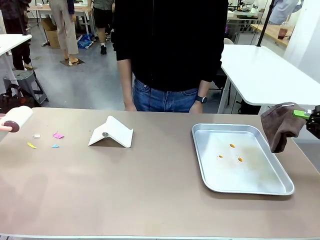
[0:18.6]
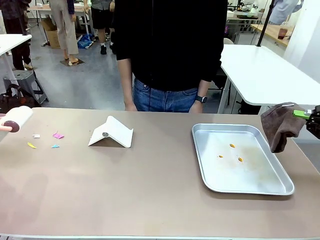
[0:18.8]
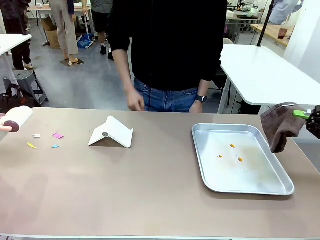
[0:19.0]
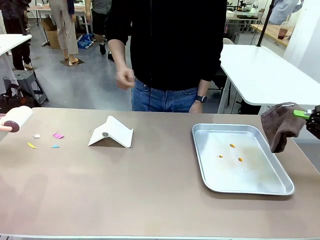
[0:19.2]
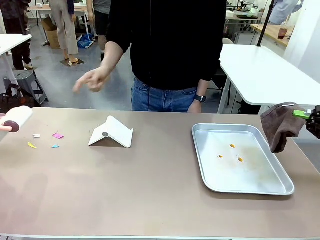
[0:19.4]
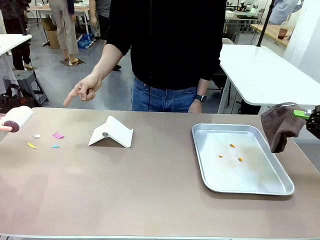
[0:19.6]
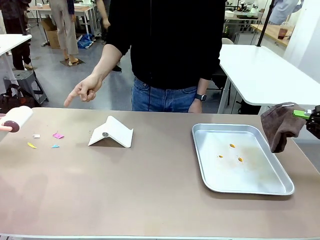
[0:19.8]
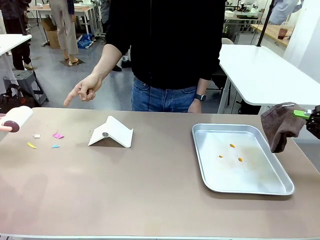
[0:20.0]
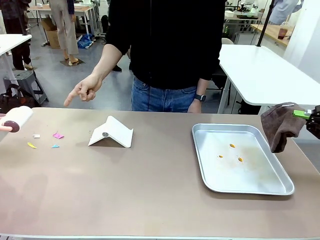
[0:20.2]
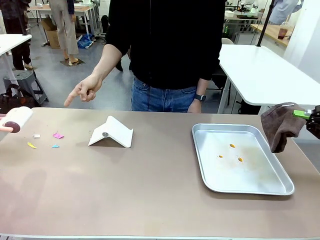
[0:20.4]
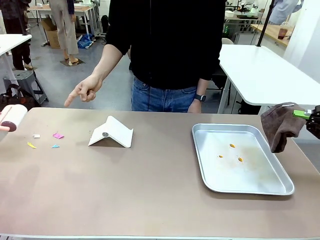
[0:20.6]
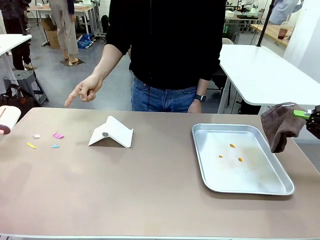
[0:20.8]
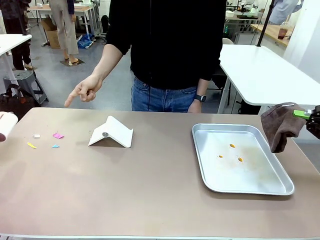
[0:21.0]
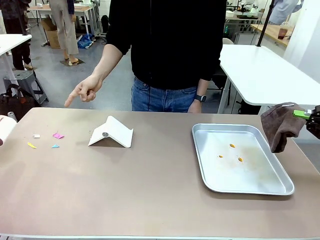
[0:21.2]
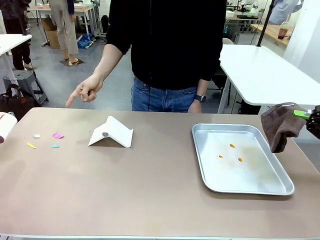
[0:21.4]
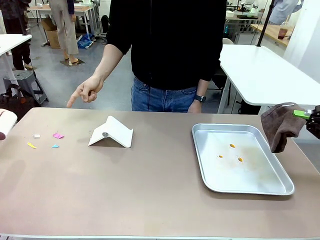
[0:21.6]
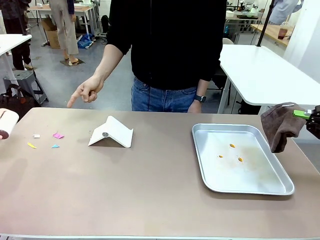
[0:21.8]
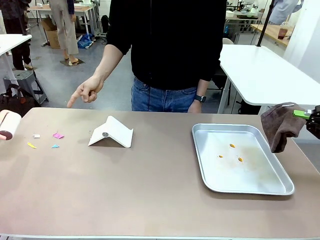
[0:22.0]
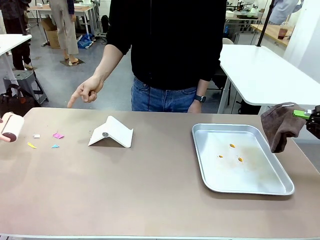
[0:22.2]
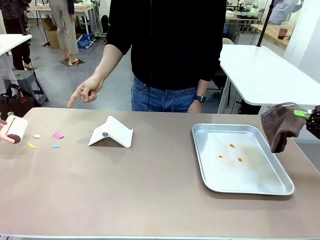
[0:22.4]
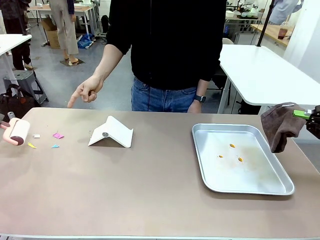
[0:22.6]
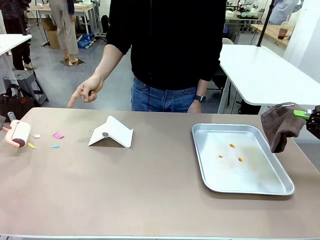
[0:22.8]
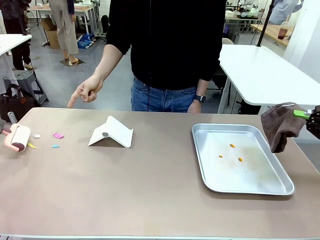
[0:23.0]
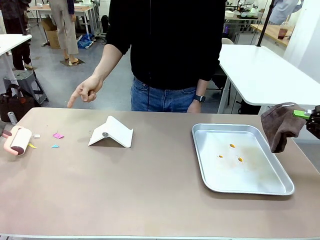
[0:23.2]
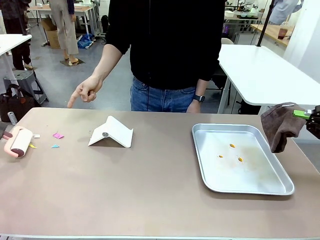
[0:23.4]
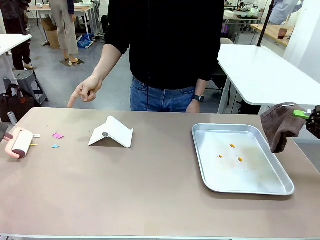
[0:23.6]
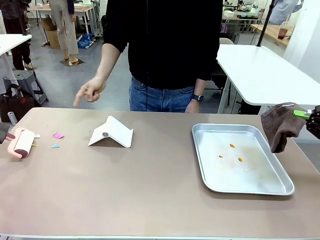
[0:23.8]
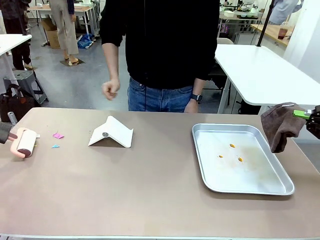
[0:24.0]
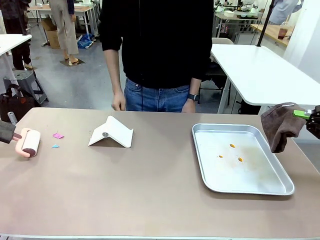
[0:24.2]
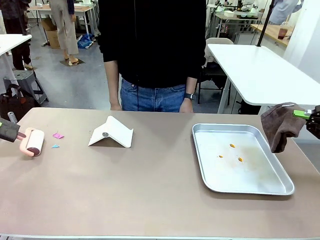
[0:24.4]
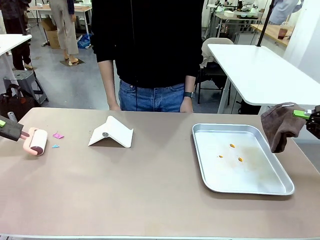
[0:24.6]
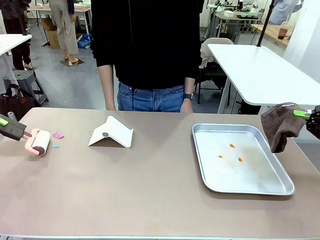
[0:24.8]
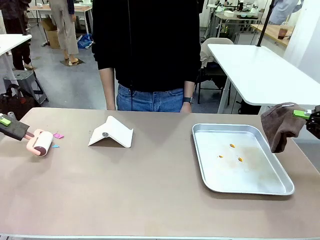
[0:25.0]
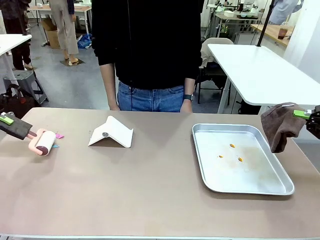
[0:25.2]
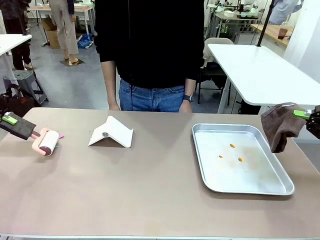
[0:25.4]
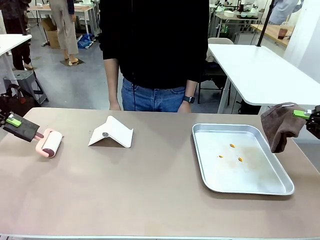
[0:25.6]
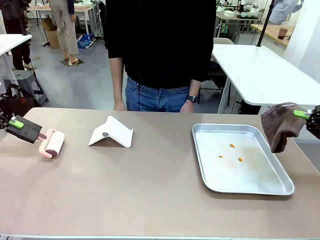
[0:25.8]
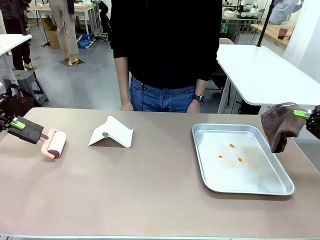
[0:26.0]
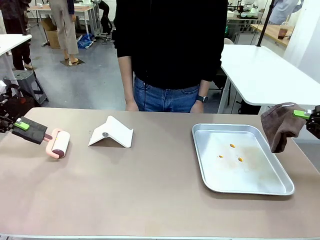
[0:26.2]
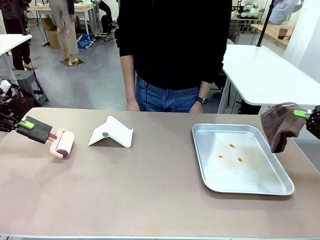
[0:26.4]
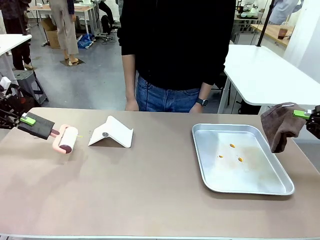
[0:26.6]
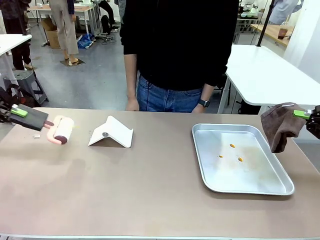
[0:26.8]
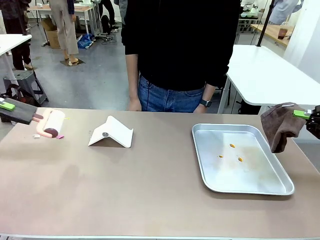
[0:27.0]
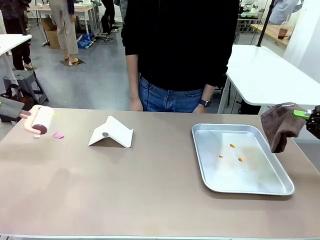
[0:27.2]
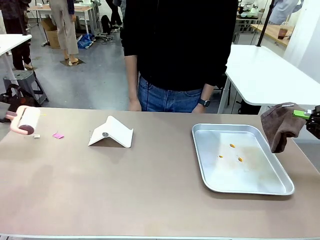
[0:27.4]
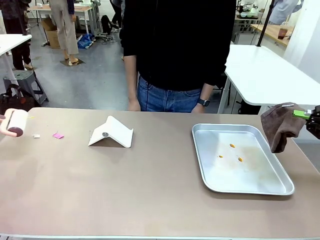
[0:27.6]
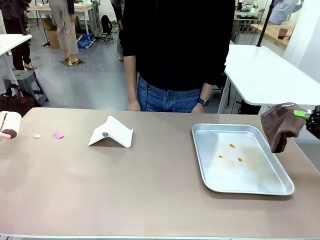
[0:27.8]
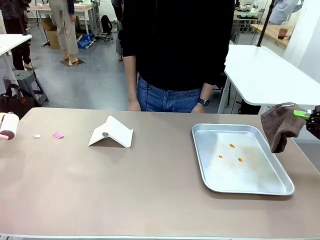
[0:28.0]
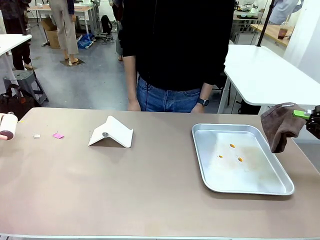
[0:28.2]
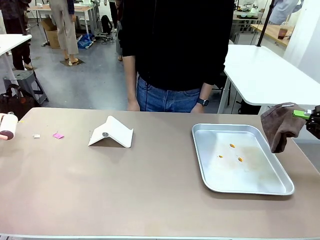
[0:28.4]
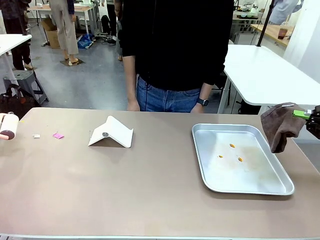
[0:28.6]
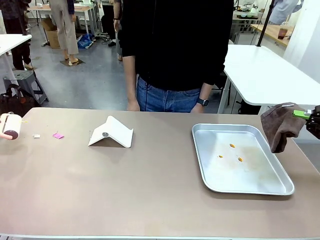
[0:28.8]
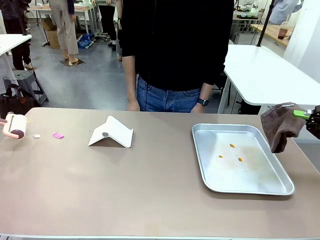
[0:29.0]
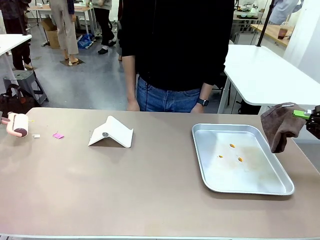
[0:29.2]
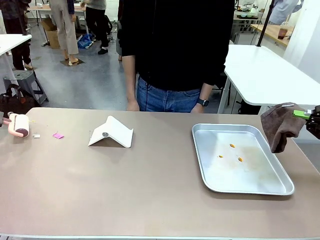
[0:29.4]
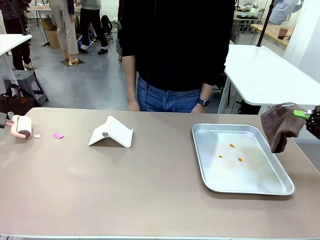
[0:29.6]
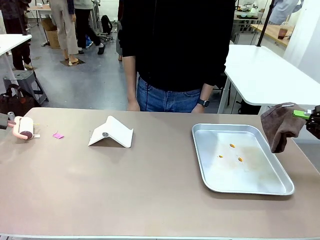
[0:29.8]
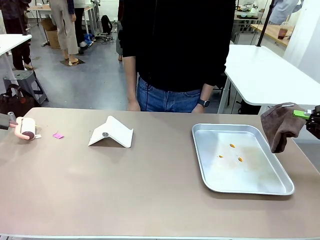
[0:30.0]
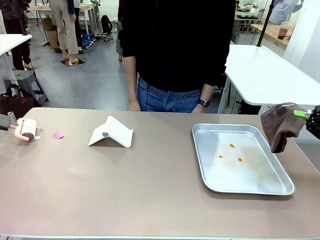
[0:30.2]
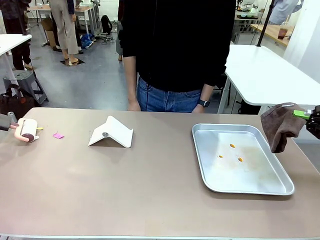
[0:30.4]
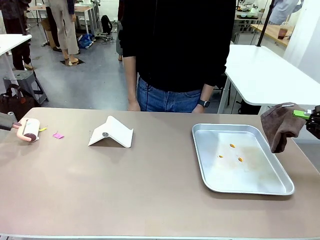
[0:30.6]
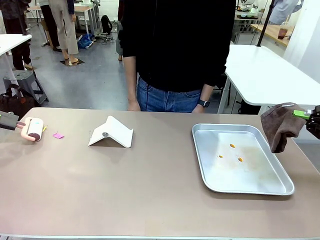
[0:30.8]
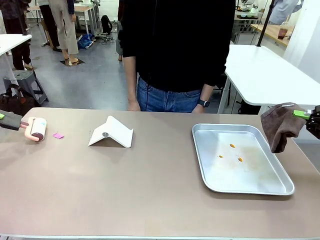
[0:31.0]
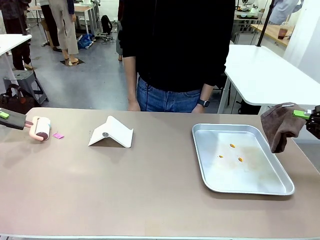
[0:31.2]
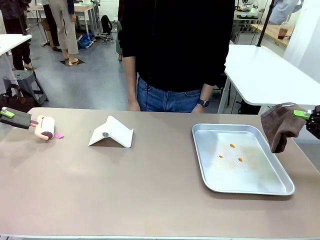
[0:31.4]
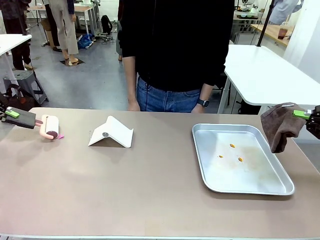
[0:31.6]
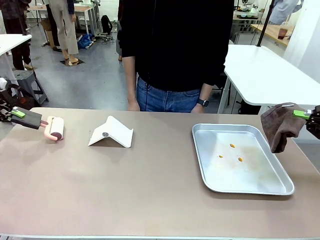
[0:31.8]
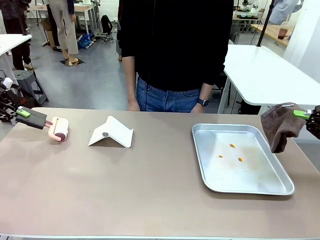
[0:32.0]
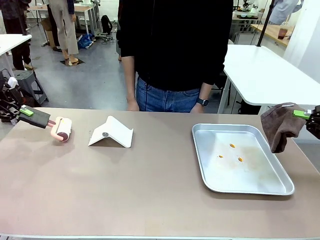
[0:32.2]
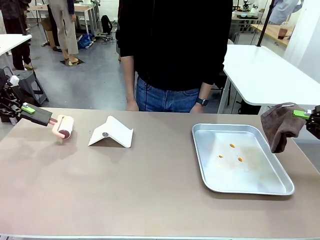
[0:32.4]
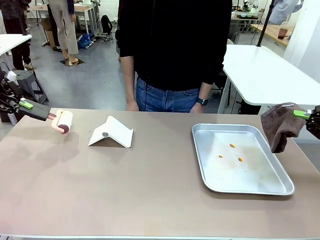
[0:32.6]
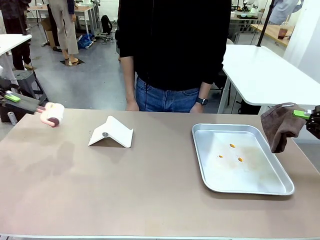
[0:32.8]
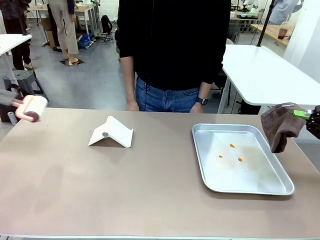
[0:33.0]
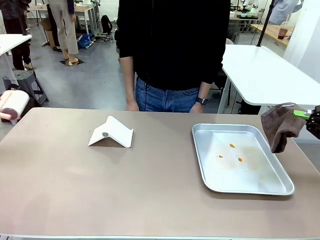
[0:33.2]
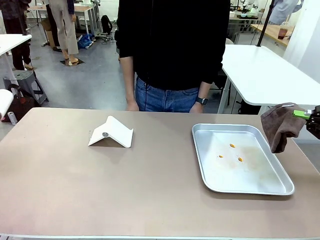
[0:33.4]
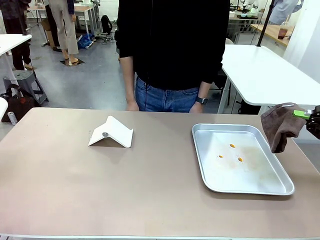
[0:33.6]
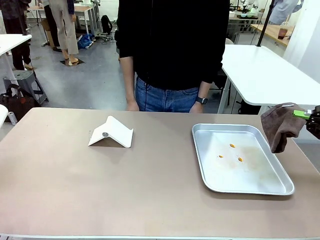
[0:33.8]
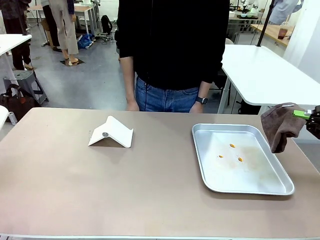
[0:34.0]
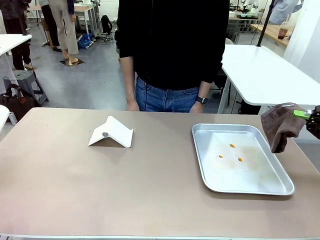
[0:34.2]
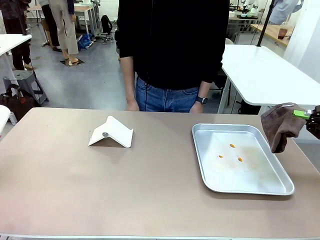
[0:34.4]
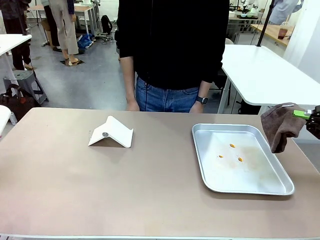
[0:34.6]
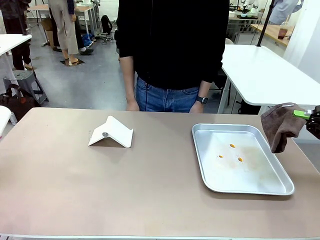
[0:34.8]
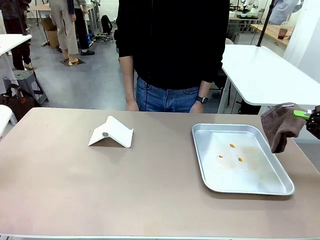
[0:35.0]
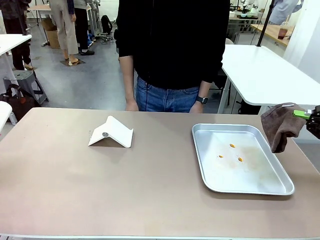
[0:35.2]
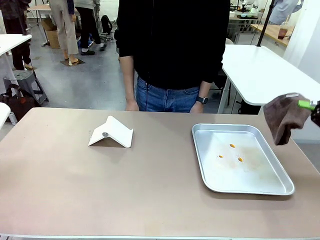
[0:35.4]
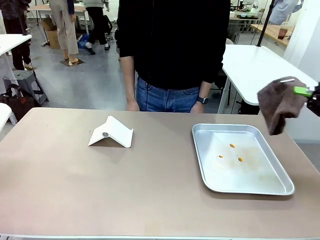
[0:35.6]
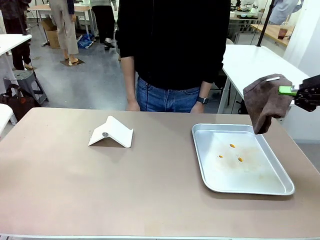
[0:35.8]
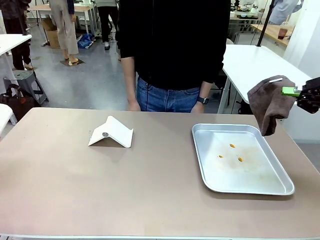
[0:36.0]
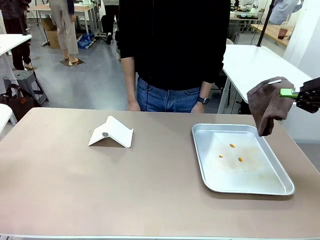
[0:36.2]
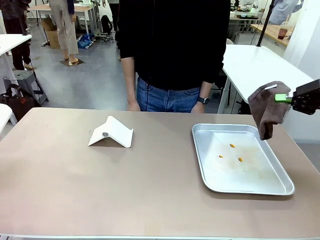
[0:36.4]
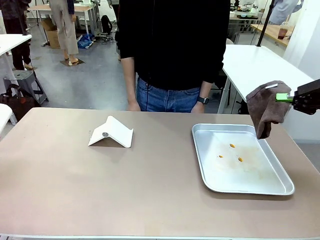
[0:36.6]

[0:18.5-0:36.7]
Task: Clean the surface of the table.
Robot: If a person points to the right, clean the right side of the table with your right hand, and if they point to the left, clean the left side with your left hand.

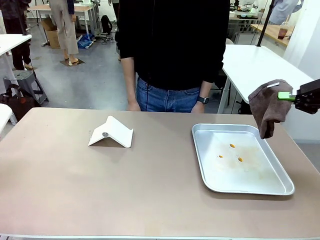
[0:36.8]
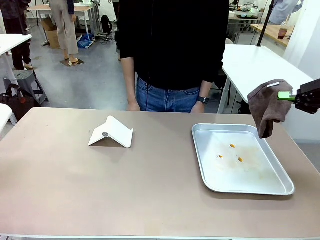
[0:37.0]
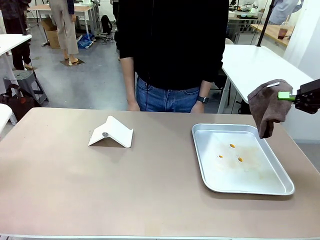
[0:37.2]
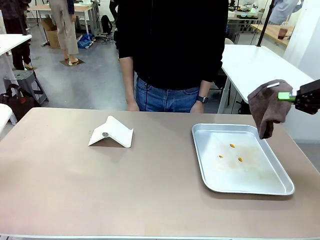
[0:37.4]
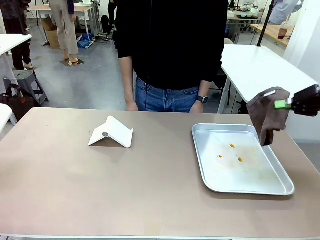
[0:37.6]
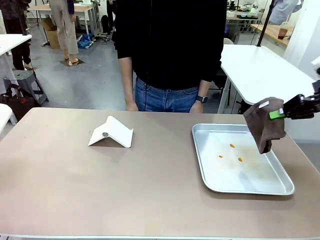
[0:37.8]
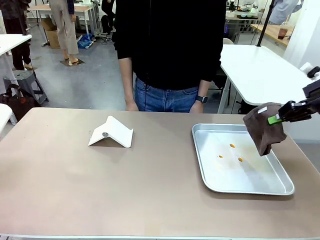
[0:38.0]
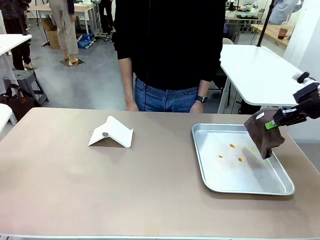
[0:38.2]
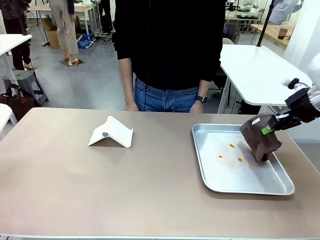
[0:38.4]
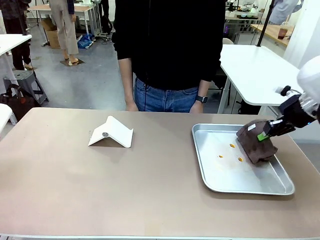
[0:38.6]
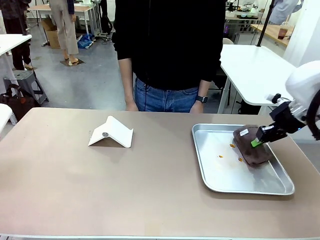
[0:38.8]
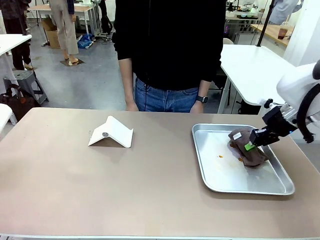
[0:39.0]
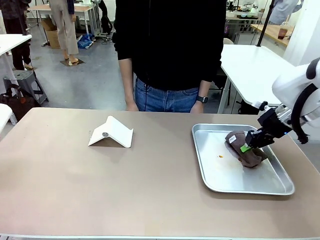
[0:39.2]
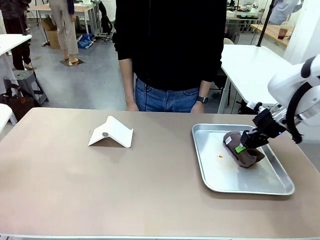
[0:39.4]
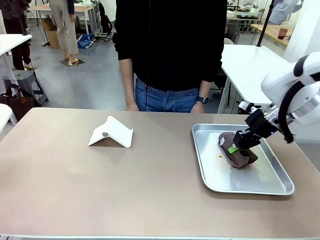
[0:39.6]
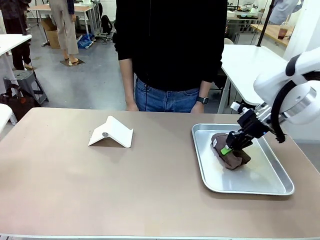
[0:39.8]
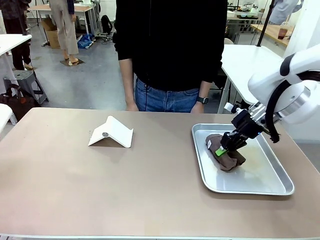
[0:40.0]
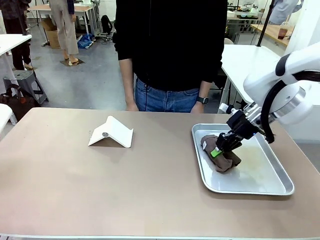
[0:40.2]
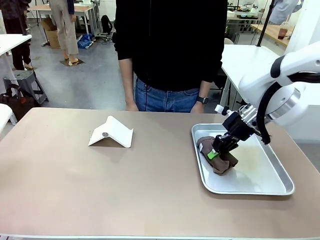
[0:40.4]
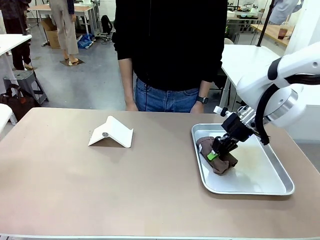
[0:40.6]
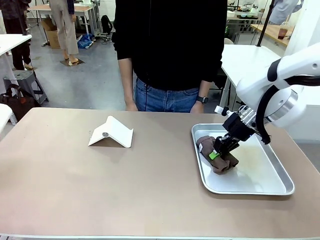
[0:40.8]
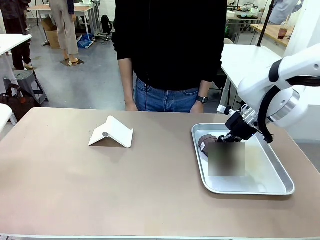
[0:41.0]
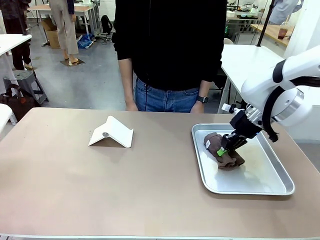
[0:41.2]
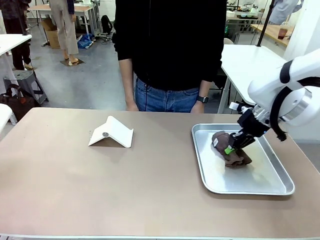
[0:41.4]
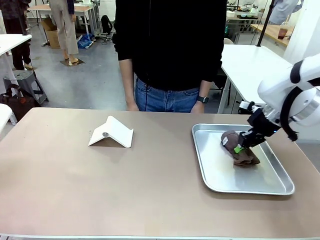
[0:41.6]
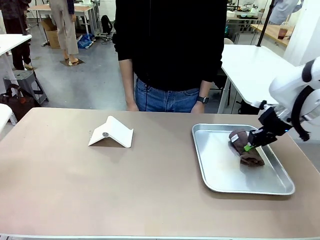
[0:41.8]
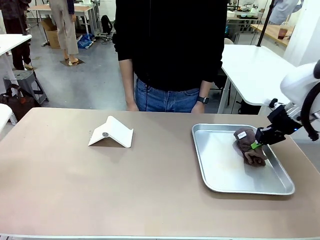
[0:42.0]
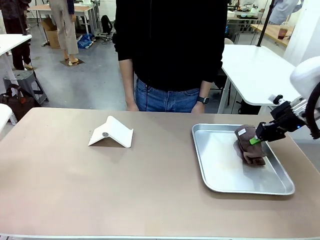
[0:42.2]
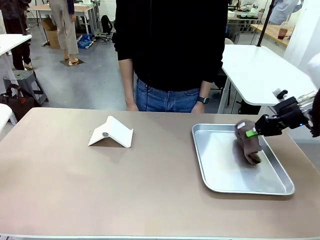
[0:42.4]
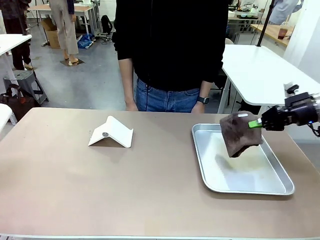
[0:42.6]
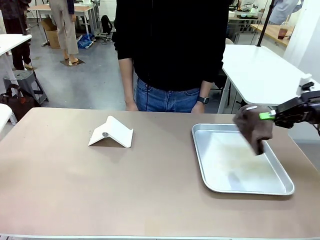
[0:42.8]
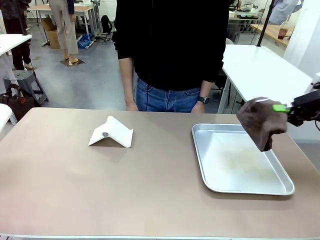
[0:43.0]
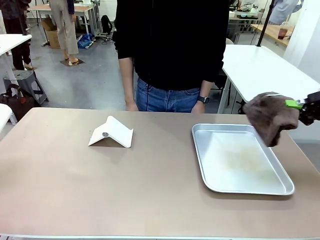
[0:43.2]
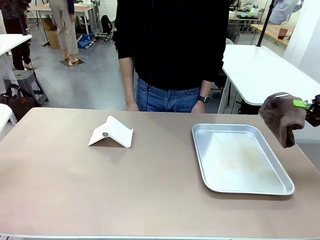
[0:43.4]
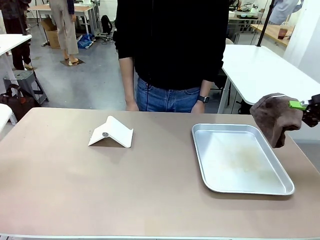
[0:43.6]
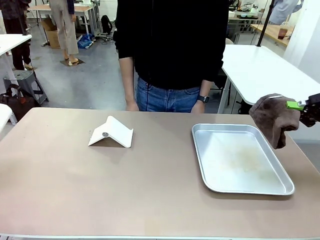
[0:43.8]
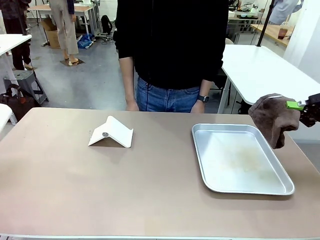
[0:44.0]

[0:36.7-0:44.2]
Robot: Clean the area not pointed to by the person.
